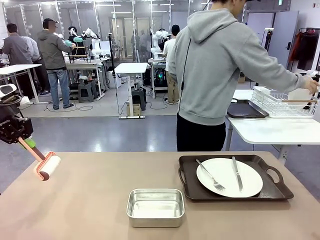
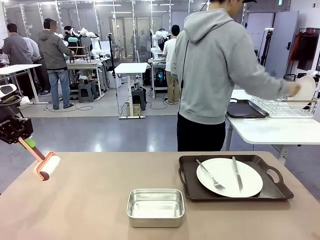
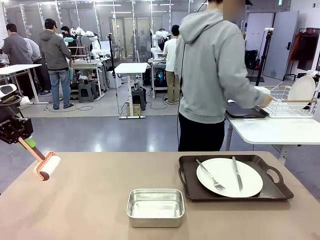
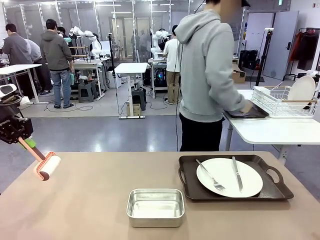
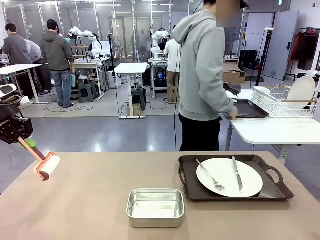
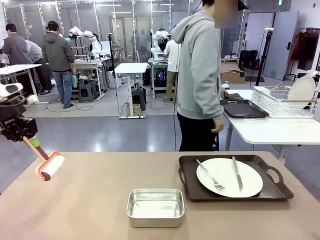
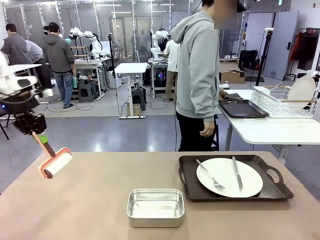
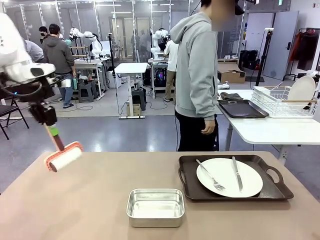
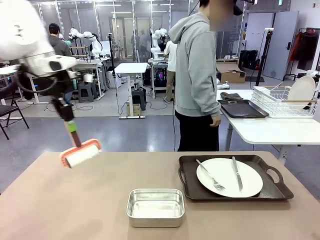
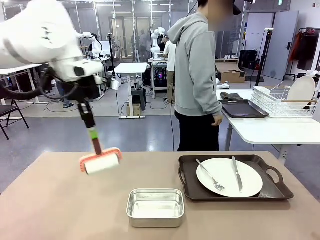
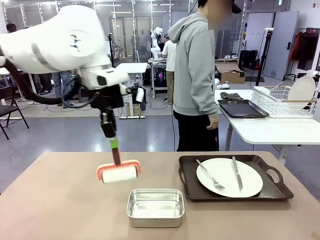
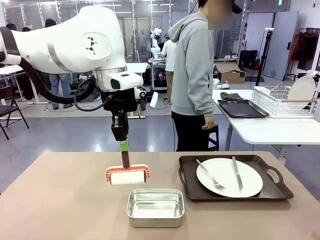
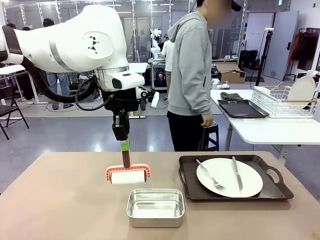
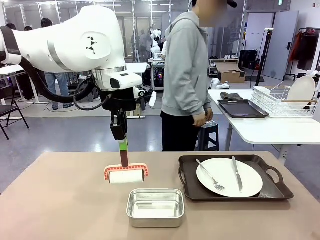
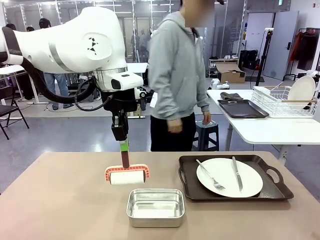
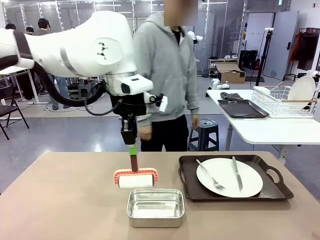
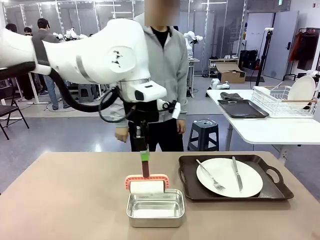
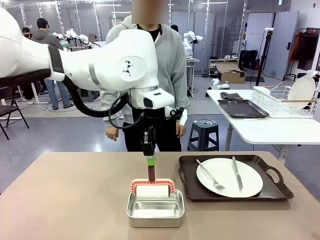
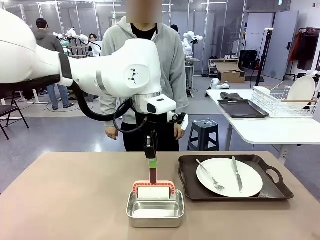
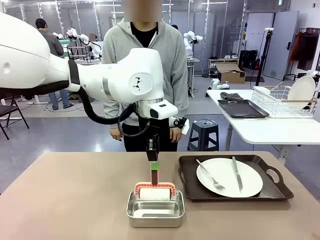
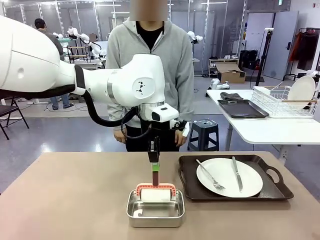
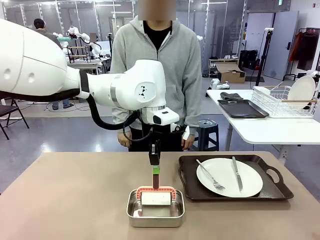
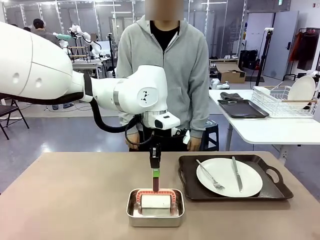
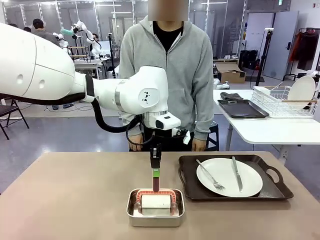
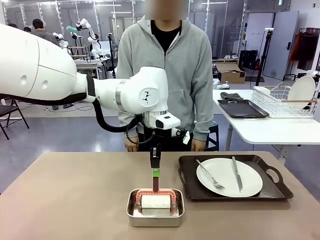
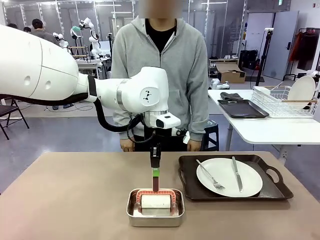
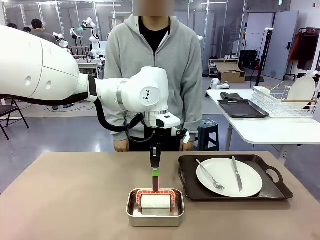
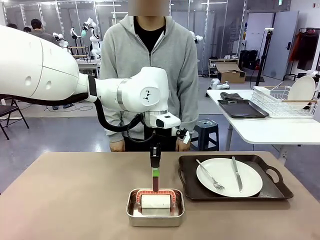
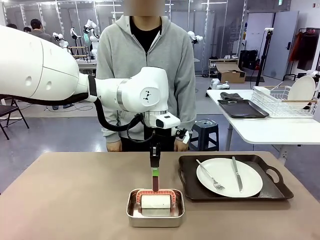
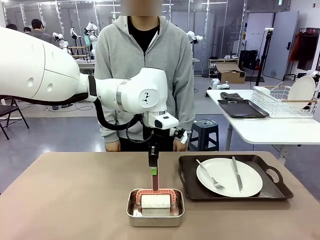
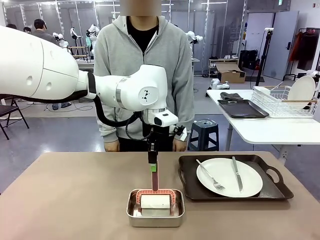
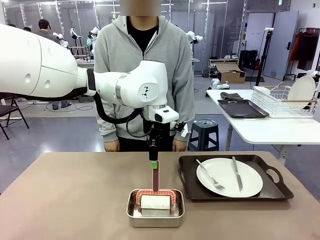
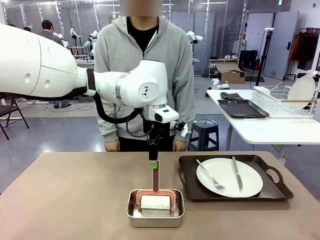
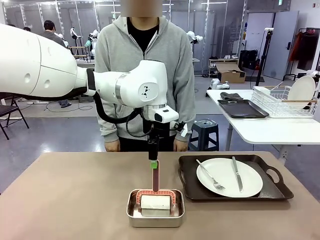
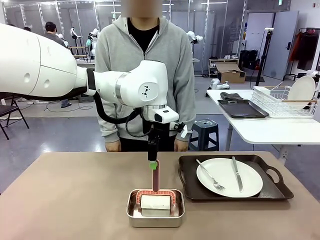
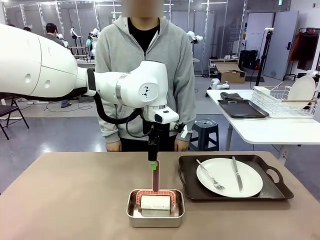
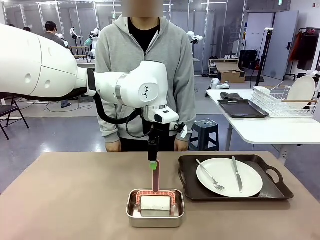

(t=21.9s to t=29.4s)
Robot: Place the Lint Roller back on top of the Airtight Container.
